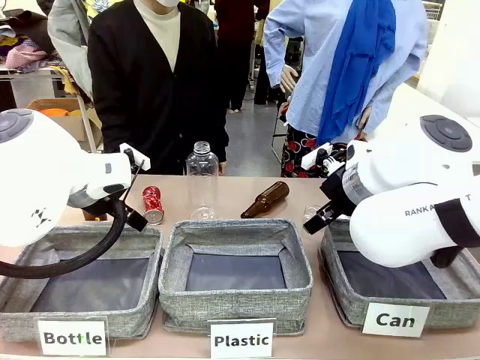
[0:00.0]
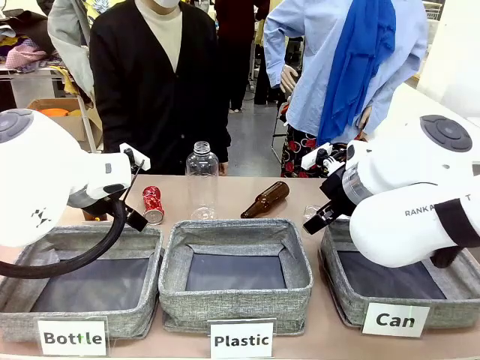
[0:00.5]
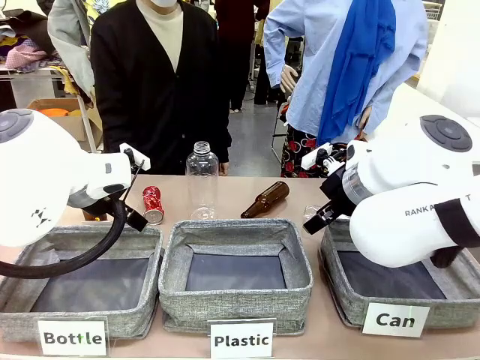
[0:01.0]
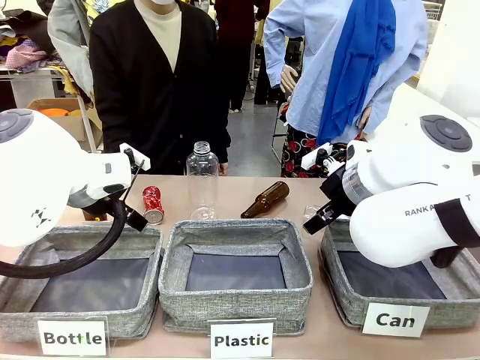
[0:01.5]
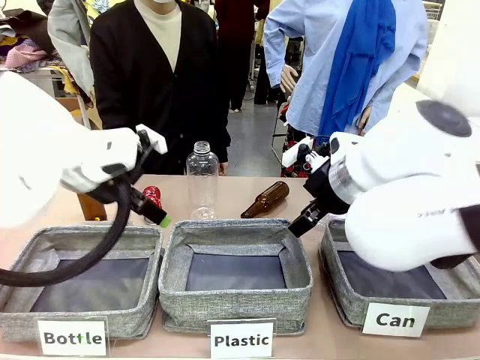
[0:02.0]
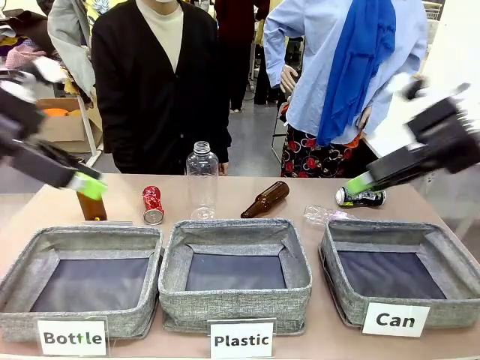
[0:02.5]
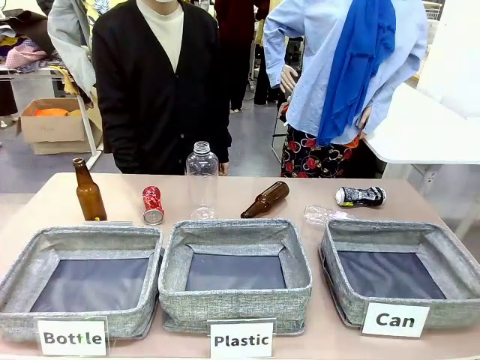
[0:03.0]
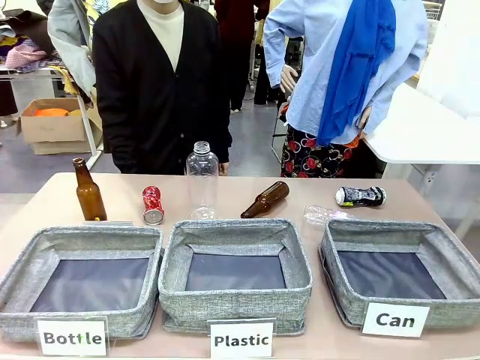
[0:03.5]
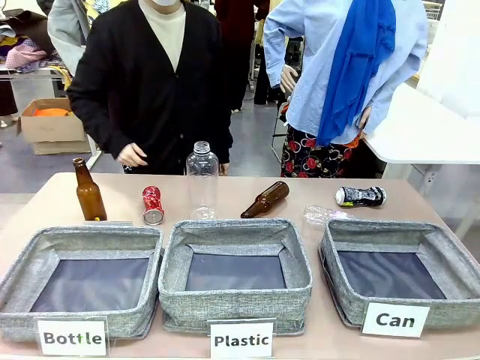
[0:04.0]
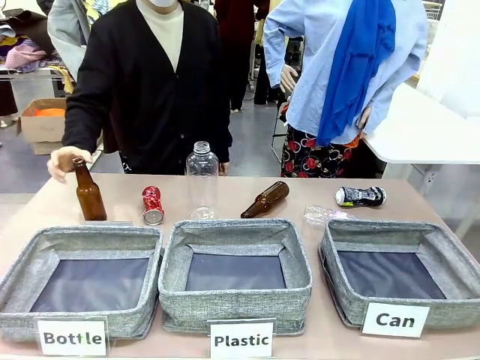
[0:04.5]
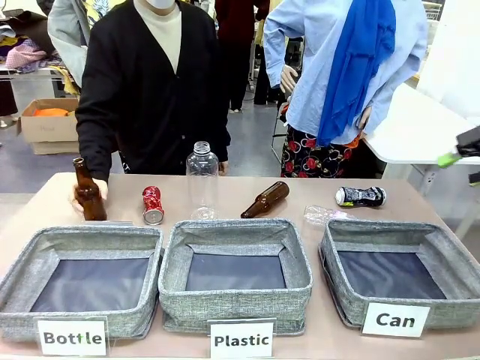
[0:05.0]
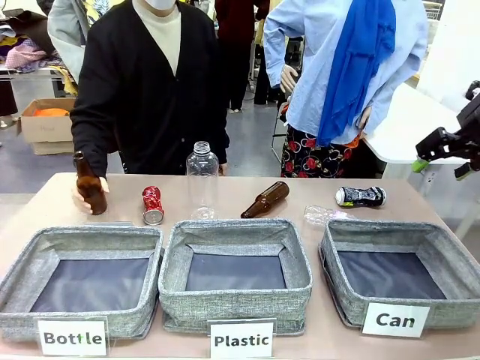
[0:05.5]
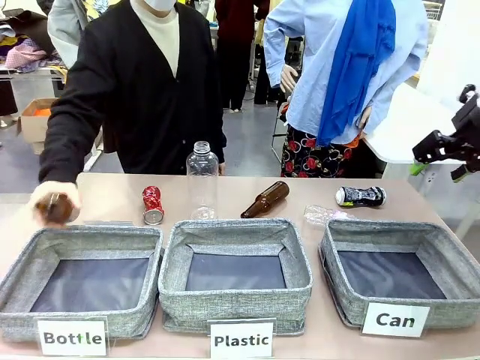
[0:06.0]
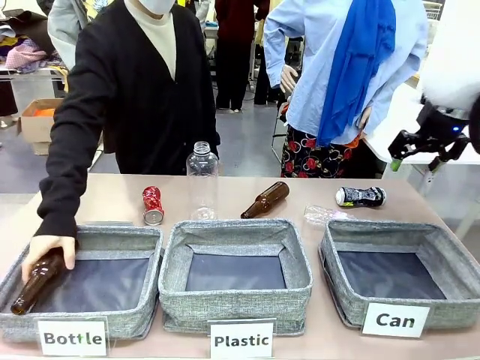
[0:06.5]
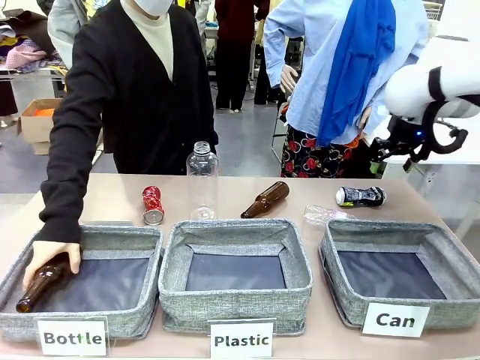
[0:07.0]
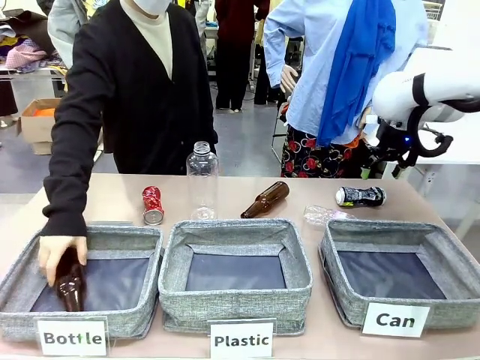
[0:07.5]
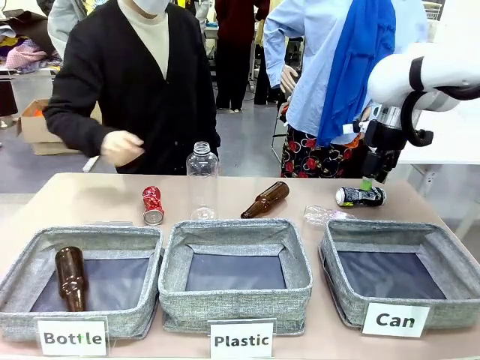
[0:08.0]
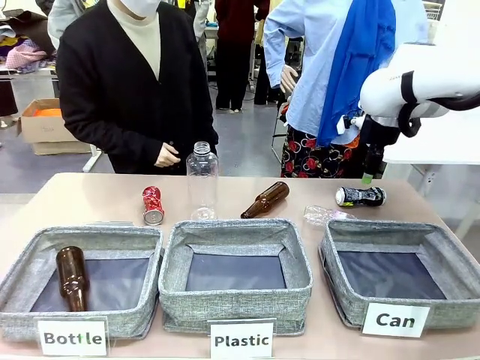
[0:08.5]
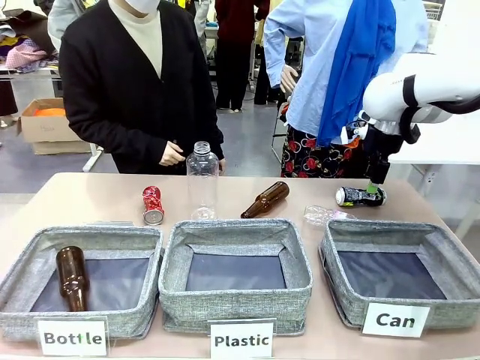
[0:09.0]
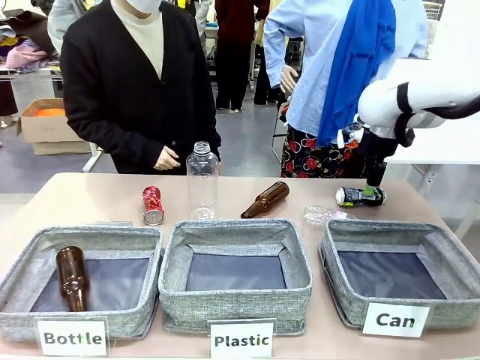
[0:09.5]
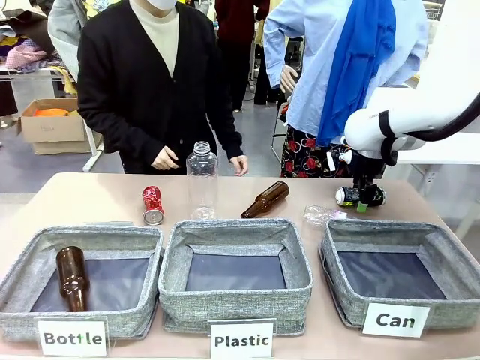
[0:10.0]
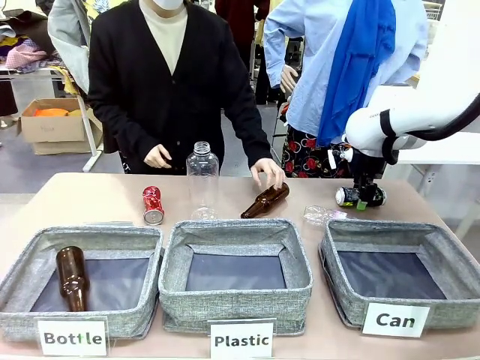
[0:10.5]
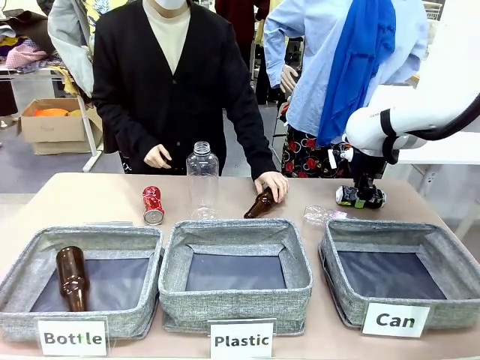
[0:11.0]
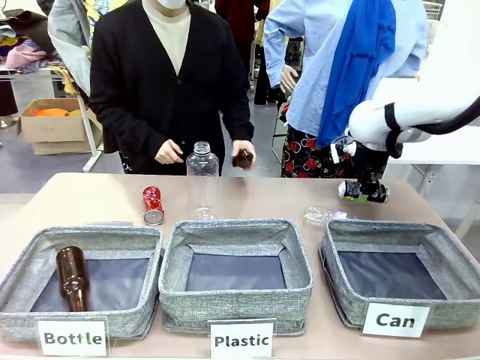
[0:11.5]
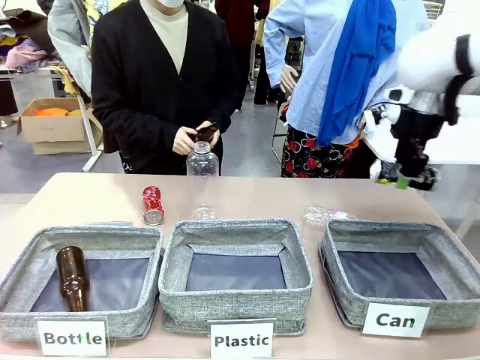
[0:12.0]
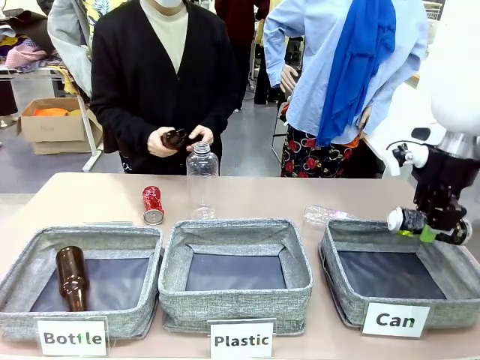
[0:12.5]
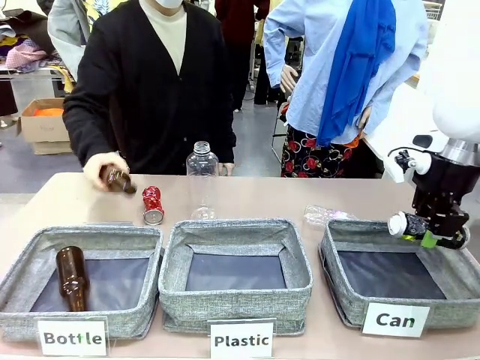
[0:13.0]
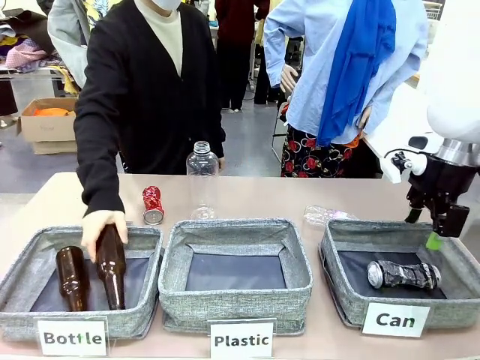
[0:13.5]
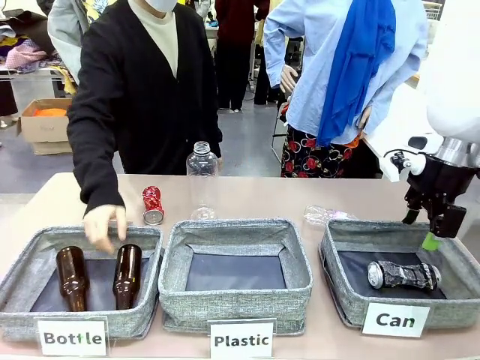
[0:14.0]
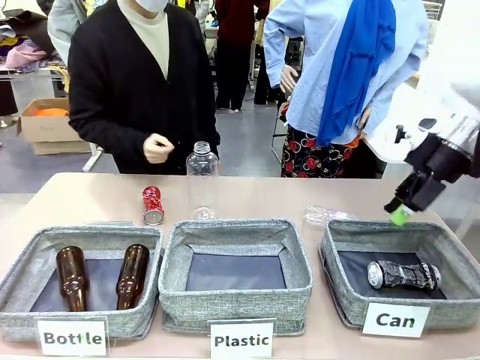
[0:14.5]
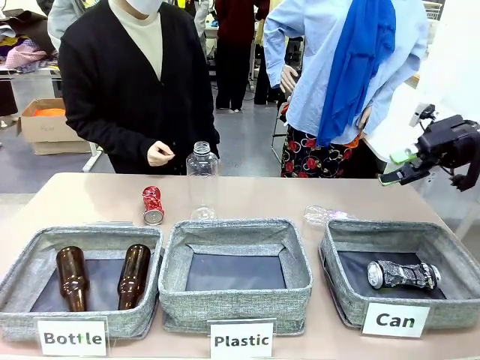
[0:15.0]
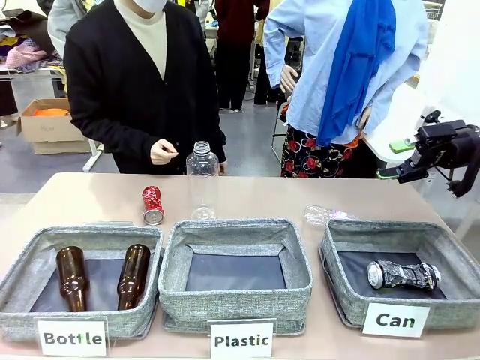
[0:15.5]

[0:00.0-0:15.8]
Task: Sort the can waste into the basket.
Robot: Pick up the can waste from the table and place it in the right Fabric basket.

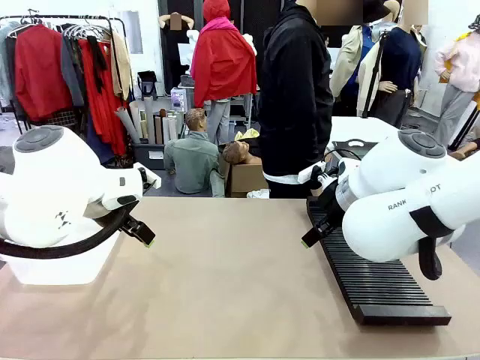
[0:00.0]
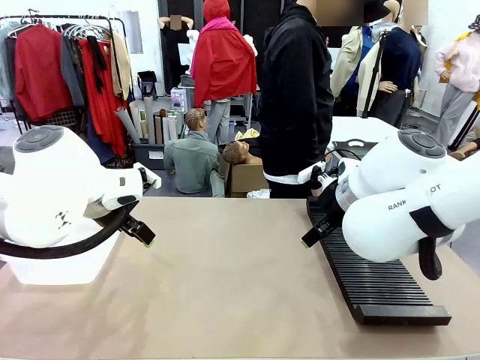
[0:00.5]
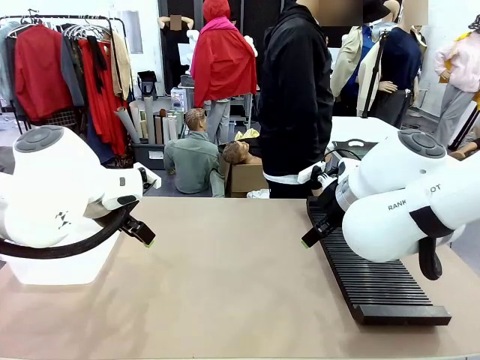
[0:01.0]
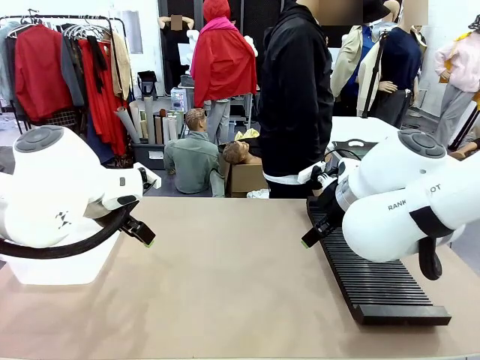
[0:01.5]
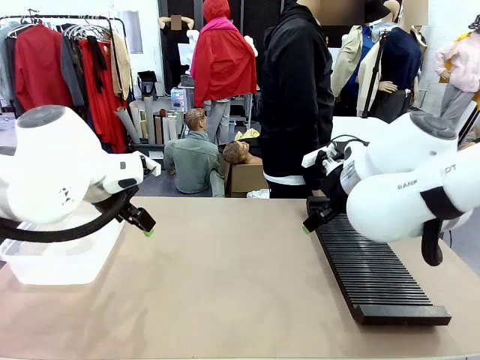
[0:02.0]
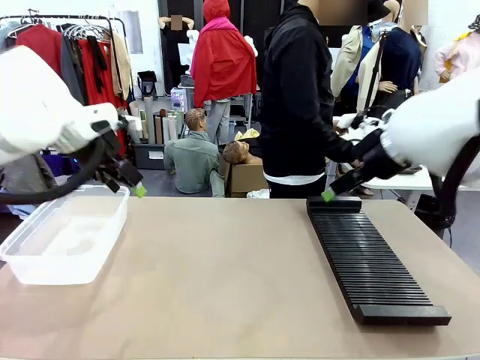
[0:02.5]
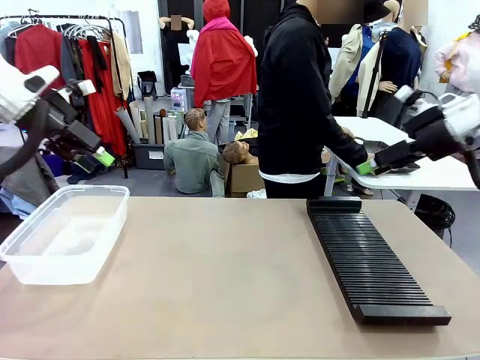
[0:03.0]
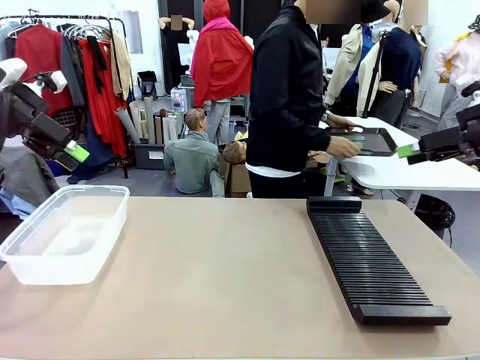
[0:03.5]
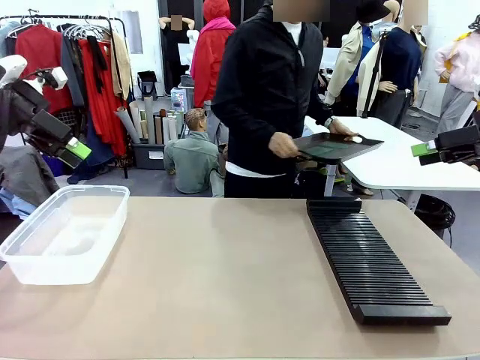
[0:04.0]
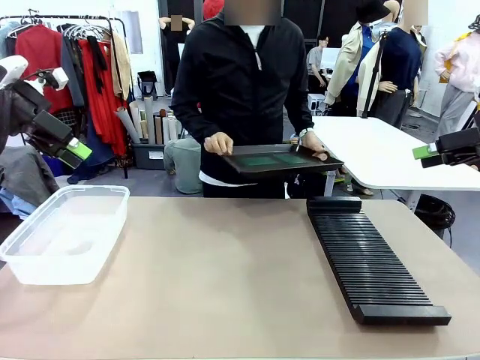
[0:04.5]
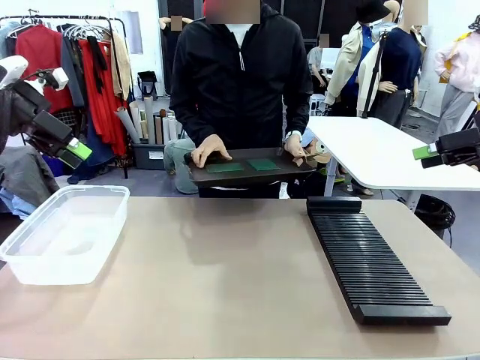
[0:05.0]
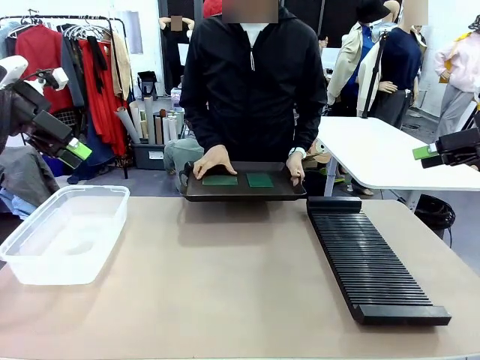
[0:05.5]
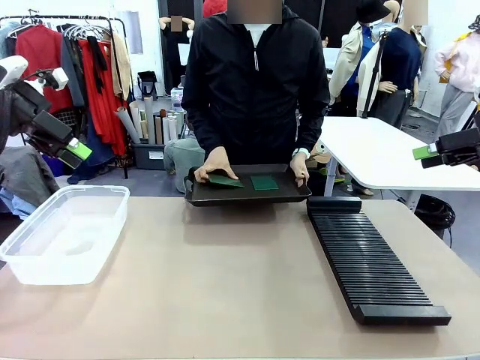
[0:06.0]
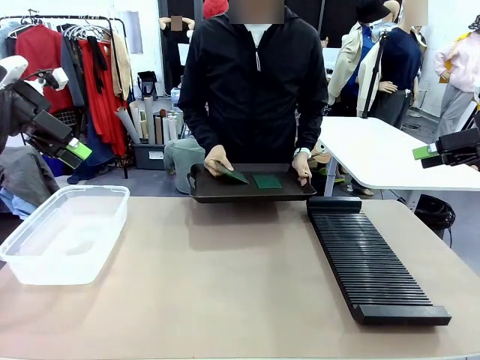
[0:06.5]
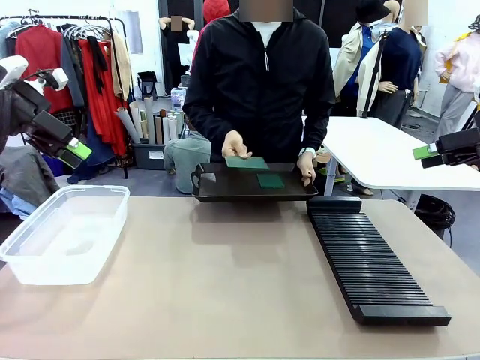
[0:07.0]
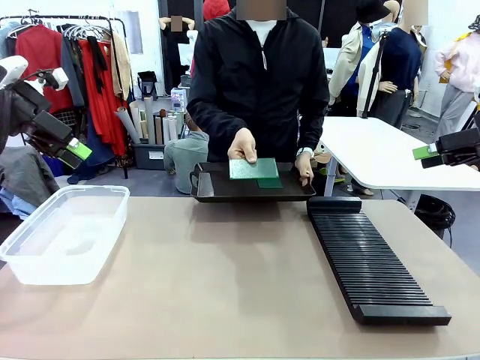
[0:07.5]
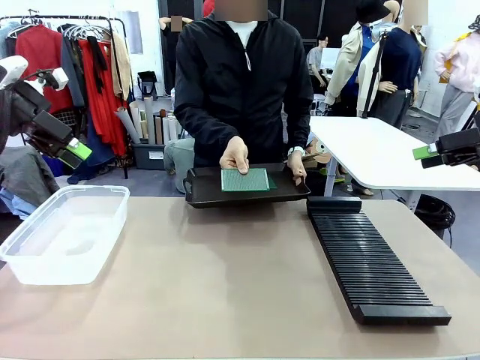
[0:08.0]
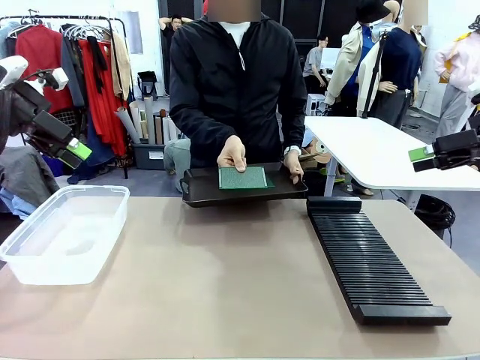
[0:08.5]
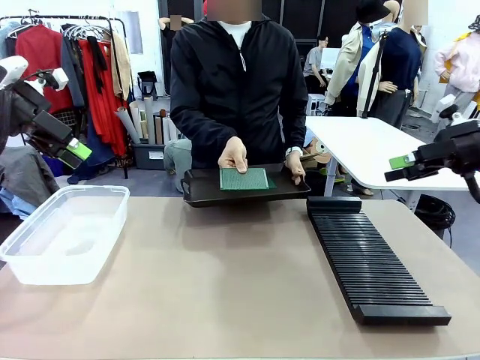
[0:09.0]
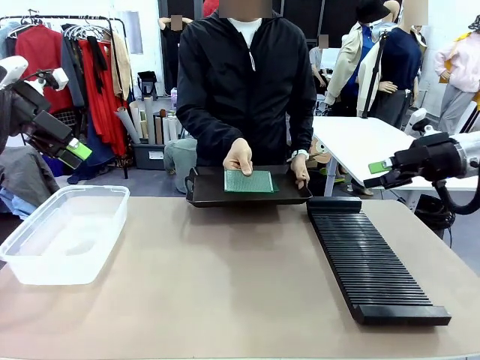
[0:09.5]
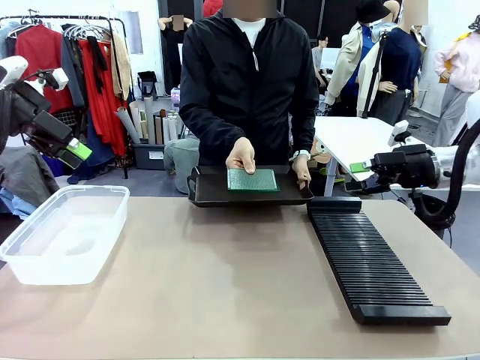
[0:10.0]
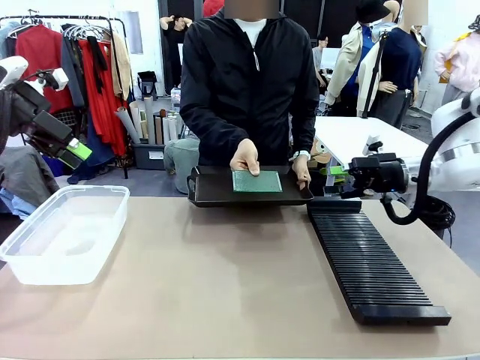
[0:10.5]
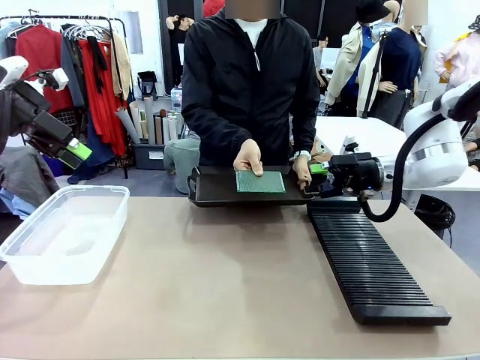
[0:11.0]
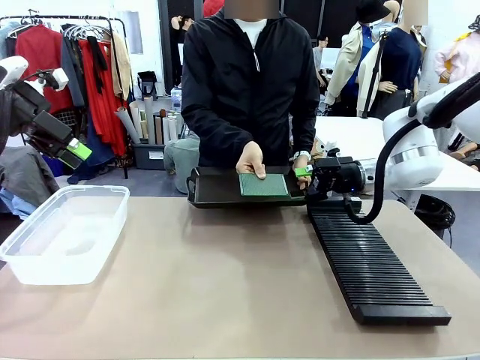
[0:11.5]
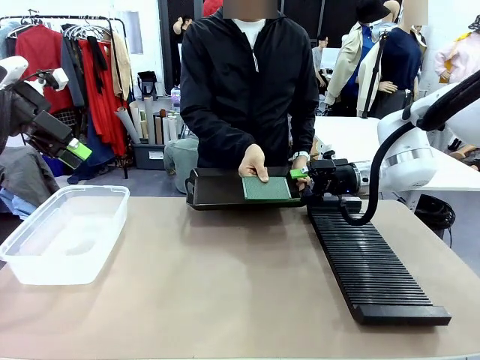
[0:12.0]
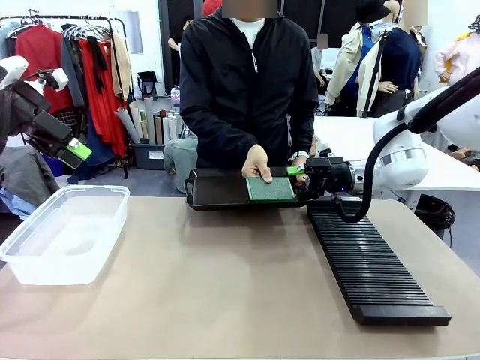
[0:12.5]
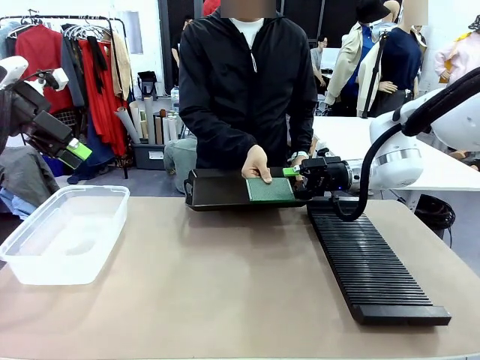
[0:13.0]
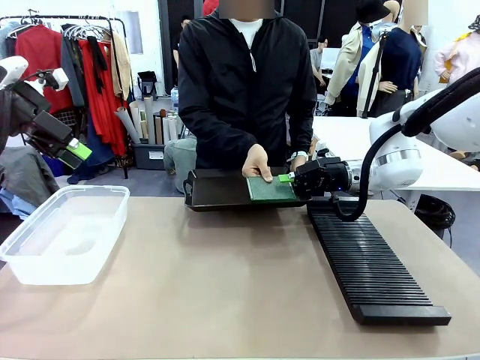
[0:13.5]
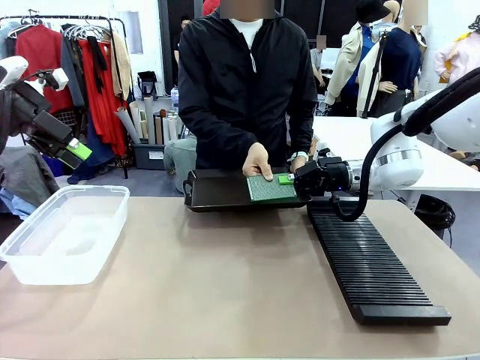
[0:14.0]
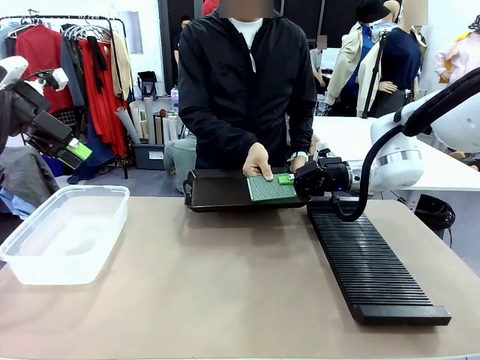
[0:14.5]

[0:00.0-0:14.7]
Task: Sort PCBs into racks and boxes based on the side picked up.
Robot: Pick up the Blank PCB handed by the Human.
Person: Pick one PCB from the tray and present it to the robot. Release the PCB being held.
